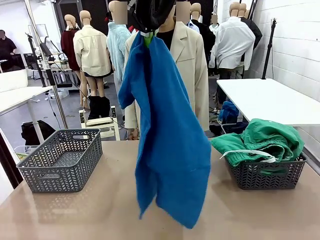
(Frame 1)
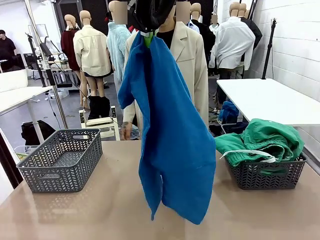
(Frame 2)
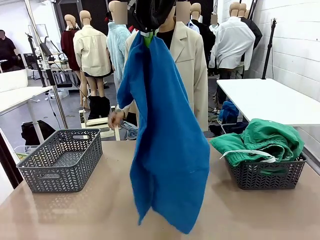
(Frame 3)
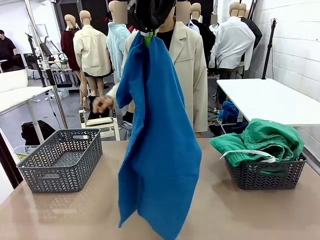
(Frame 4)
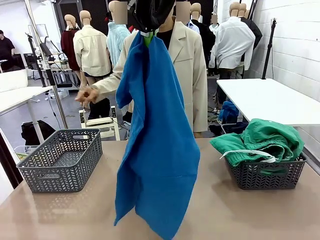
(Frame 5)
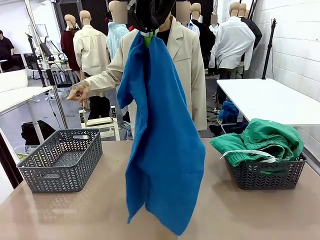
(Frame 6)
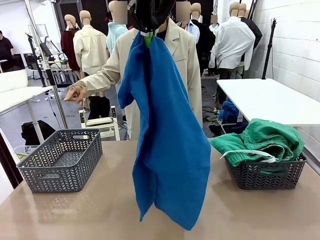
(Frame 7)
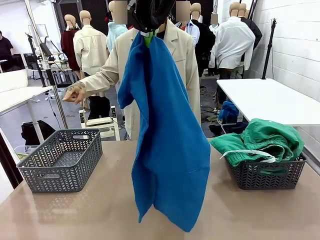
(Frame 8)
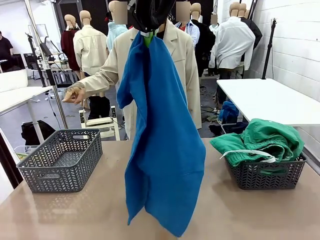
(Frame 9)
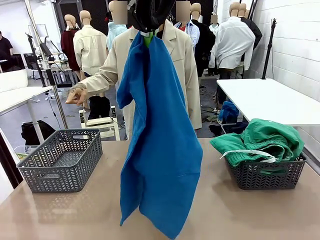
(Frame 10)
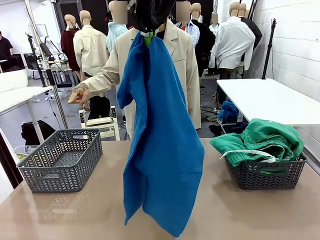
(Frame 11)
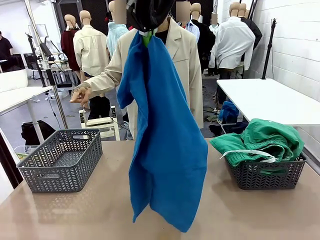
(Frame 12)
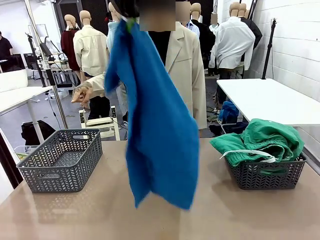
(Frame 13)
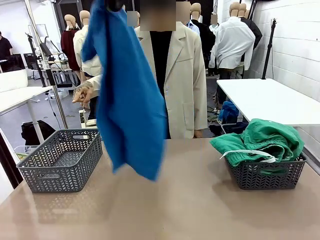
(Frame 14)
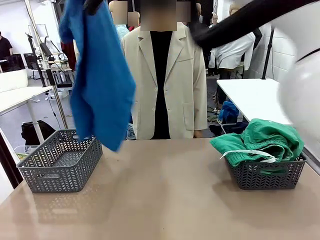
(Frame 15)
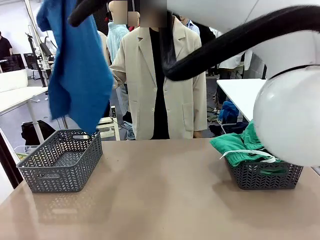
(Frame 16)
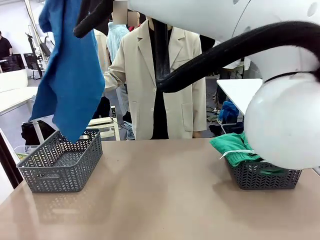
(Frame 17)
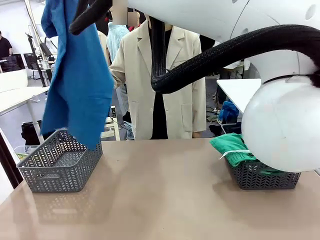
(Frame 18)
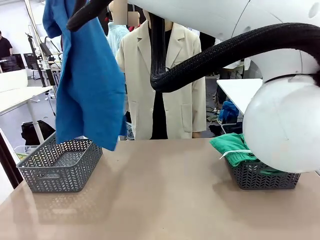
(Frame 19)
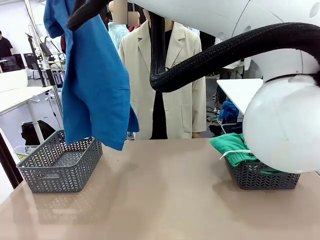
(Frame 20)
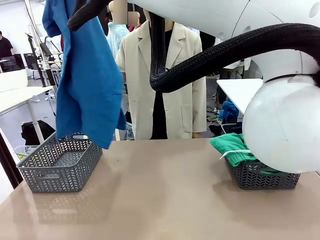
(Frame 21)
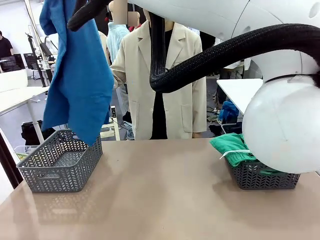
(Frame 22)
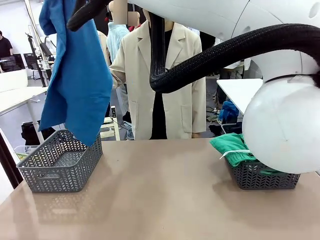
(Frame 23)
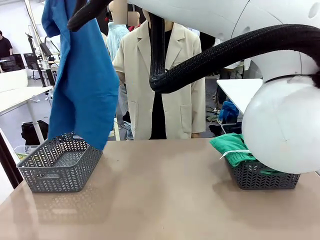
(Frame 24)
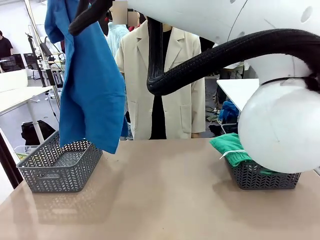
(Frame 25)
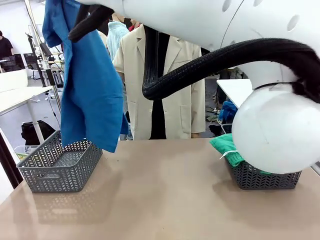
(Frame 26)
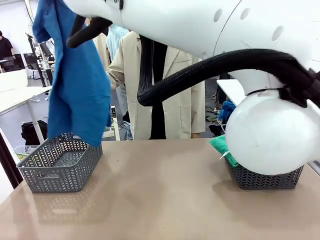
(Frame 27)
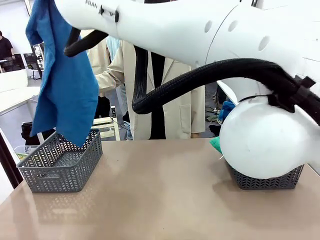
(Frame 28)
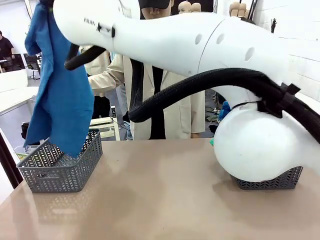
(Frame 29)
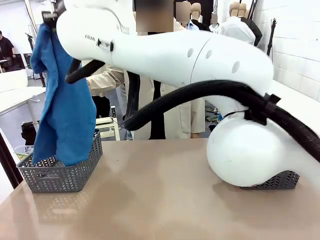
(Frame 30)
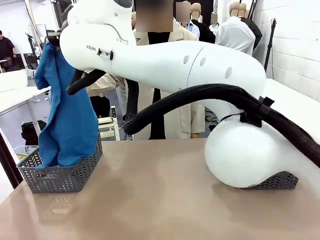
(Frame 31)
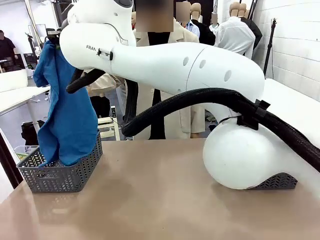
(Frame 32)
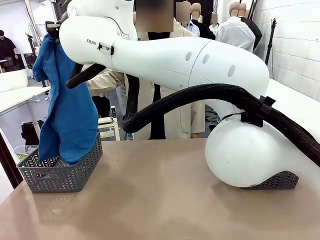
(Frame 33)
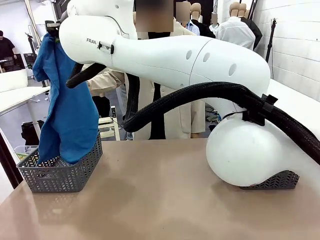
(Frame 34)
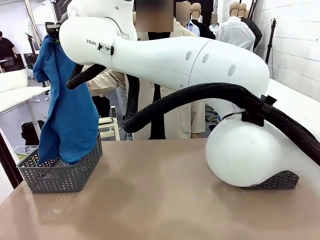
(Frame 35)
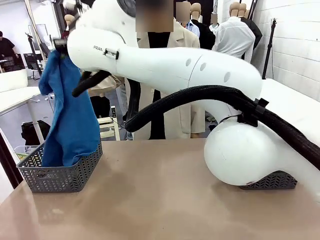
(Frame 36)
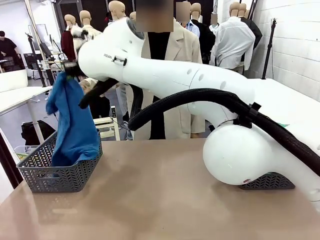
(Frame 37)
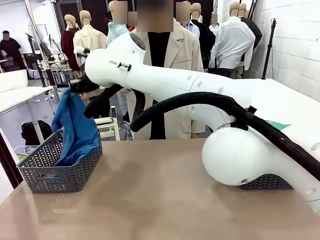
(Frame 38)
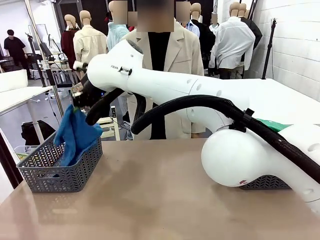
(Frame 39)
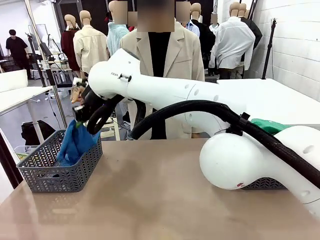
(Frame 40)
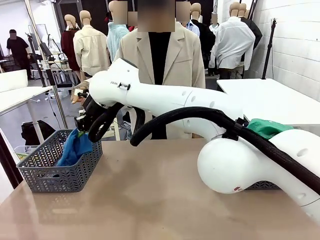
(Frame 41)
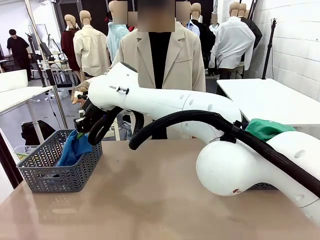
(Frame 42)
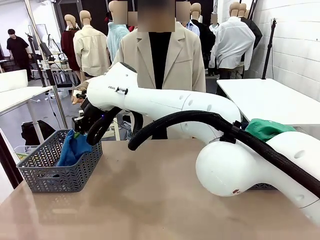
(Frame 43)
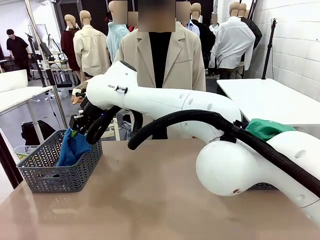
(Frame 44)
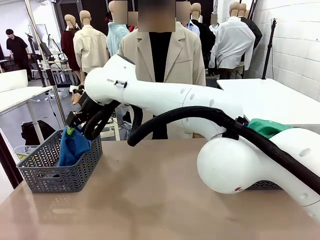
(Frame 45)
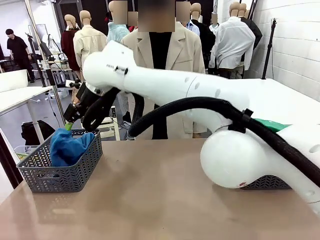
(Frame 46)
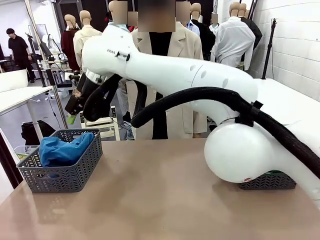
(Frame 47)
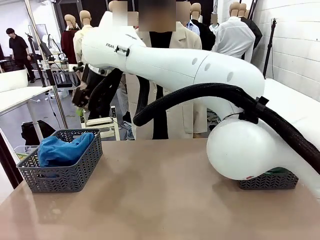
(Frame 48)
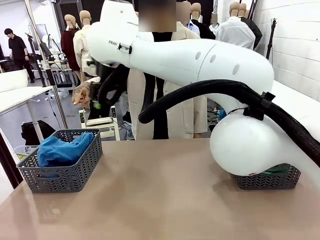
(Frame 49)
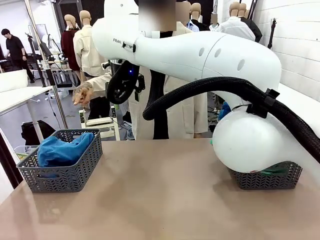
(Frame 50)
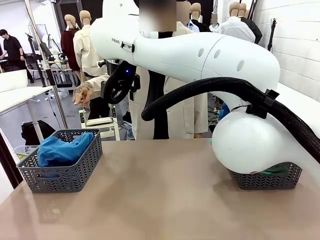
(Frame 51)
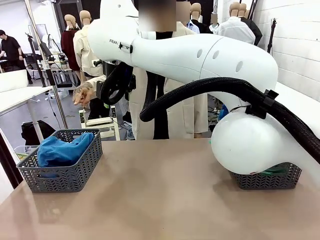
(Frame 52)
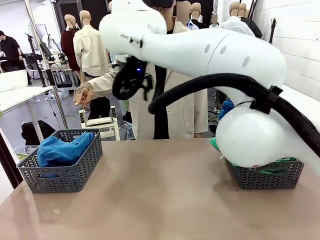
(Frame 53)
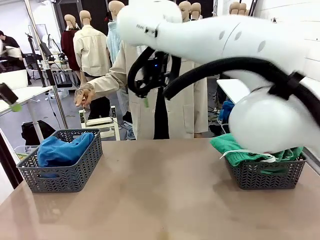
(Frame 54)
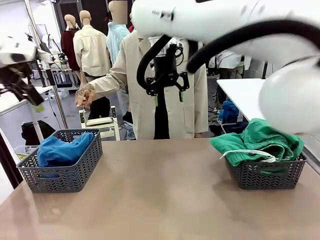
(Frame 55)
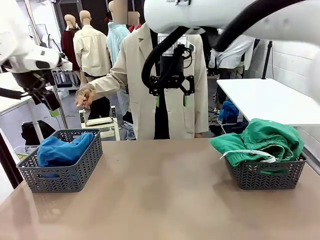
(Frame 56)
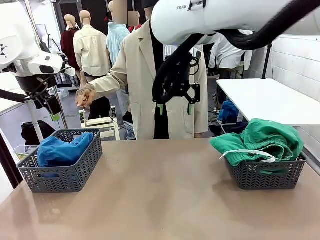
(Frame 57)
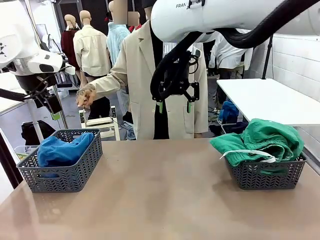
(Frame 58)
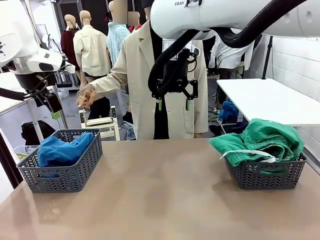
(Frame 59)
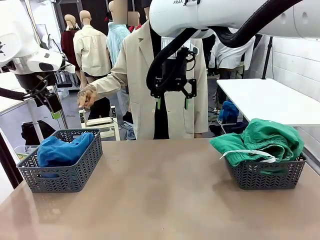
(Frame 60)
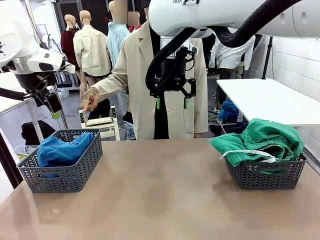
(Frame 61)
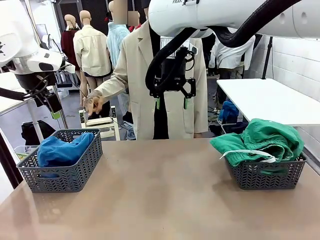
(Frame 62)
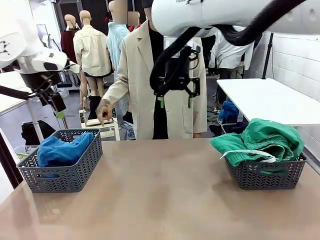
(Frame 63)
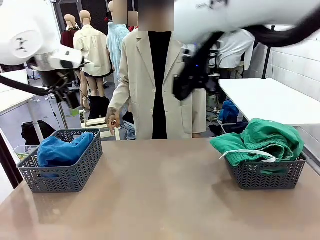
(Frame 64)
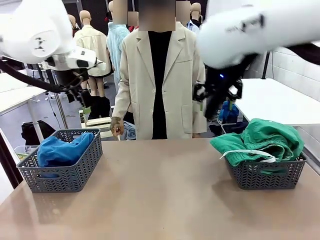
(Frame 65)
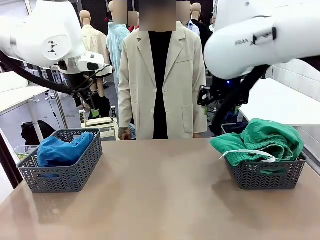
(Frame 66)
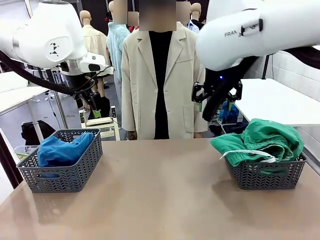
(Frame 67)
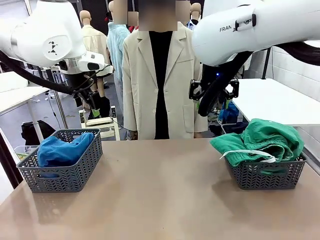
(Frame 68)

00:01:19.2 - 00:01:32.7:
Task: Sort the tops and bottoms.
Robot: Sort the clothes according to human instructions.

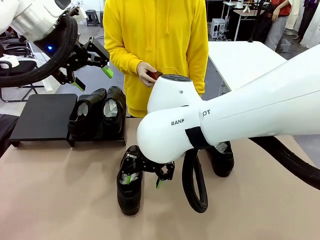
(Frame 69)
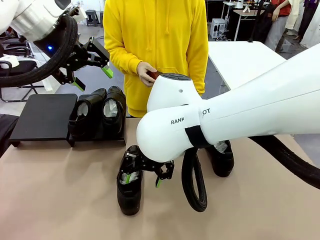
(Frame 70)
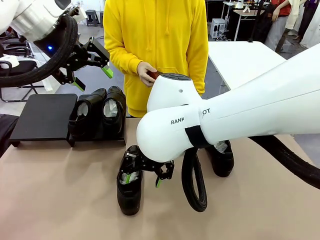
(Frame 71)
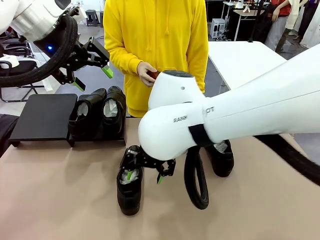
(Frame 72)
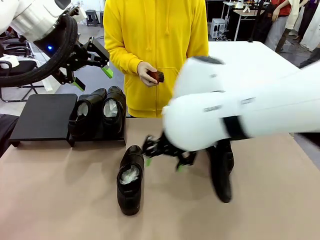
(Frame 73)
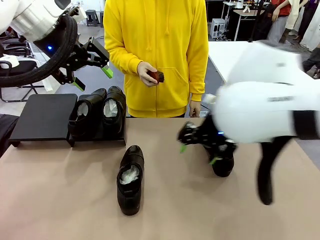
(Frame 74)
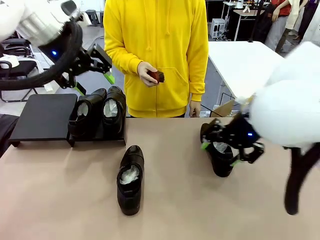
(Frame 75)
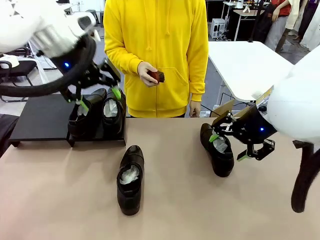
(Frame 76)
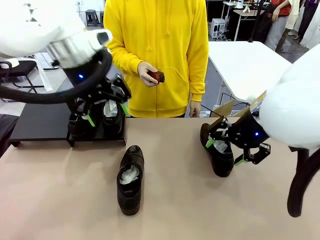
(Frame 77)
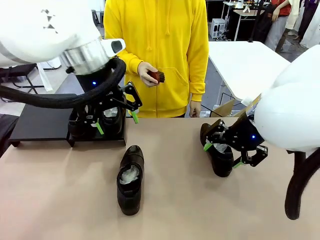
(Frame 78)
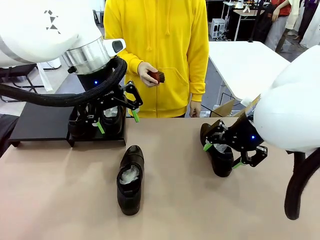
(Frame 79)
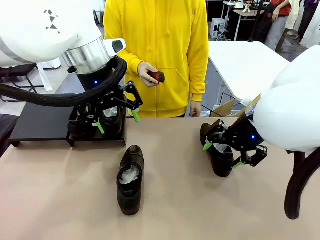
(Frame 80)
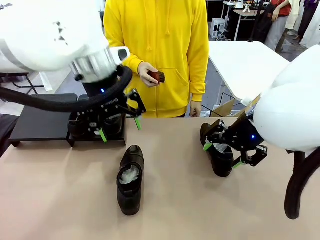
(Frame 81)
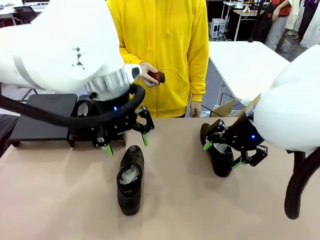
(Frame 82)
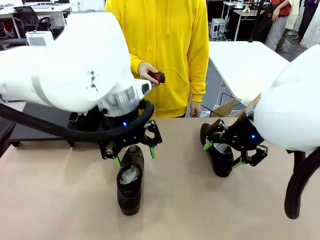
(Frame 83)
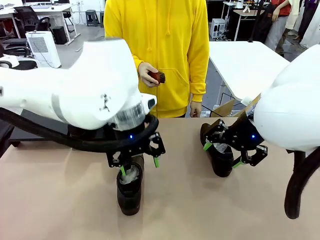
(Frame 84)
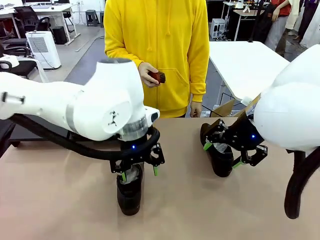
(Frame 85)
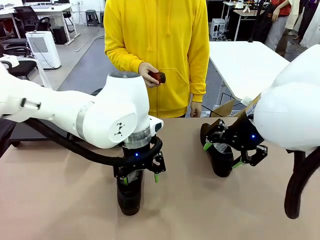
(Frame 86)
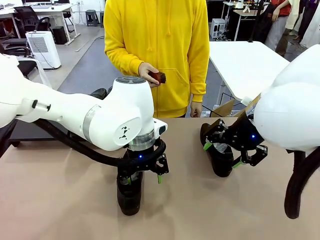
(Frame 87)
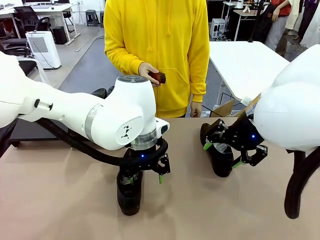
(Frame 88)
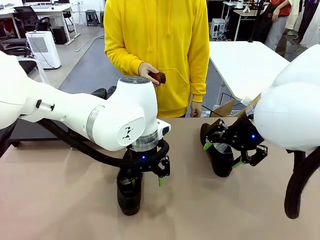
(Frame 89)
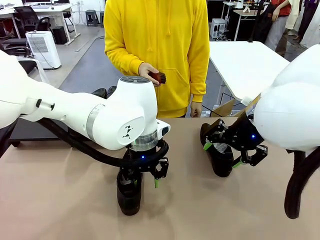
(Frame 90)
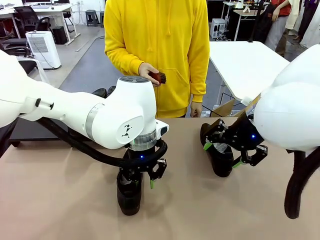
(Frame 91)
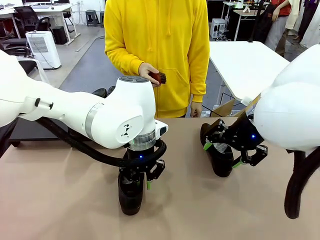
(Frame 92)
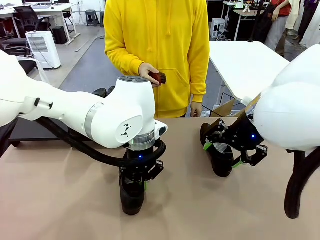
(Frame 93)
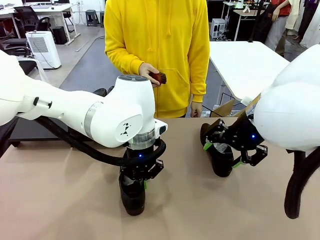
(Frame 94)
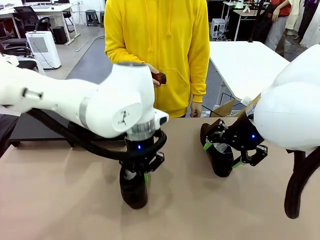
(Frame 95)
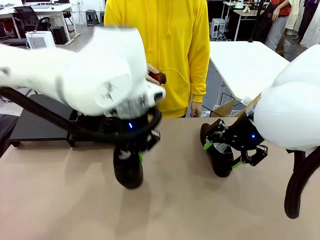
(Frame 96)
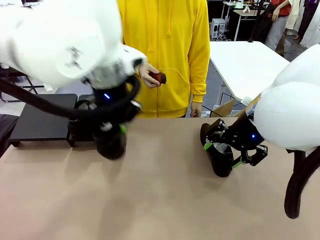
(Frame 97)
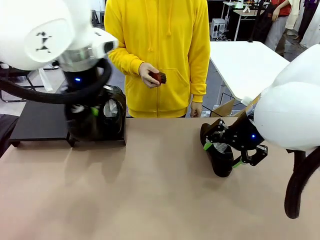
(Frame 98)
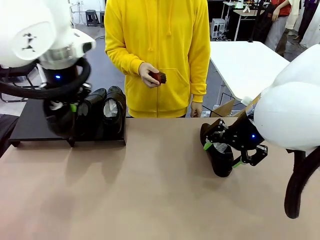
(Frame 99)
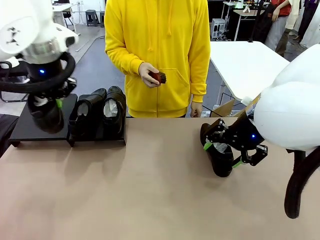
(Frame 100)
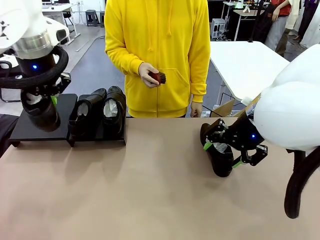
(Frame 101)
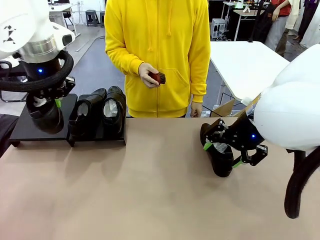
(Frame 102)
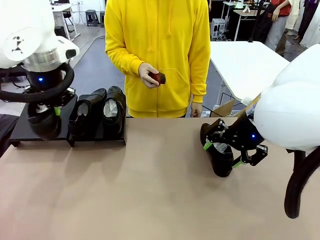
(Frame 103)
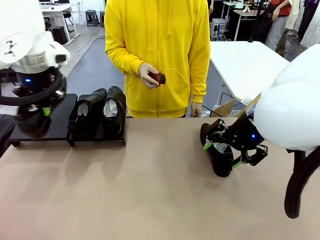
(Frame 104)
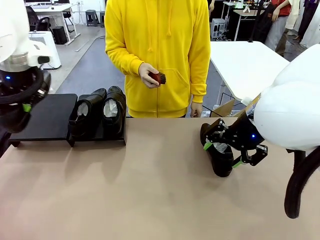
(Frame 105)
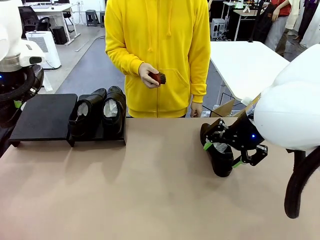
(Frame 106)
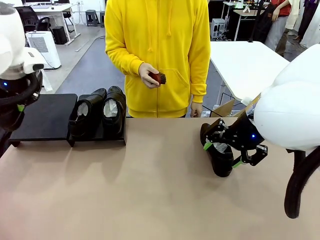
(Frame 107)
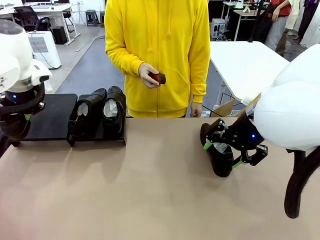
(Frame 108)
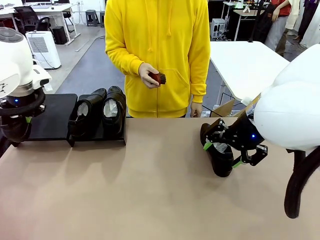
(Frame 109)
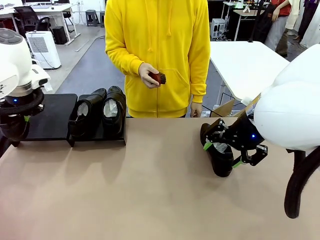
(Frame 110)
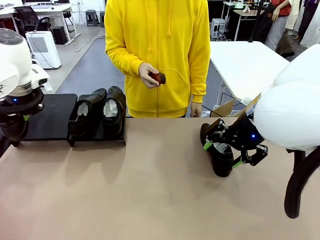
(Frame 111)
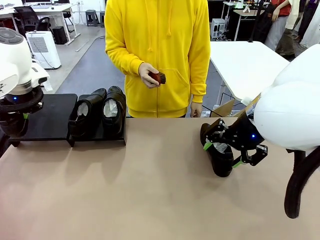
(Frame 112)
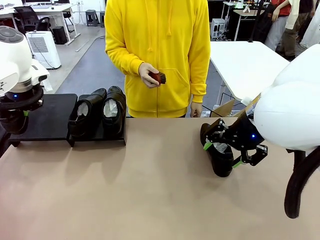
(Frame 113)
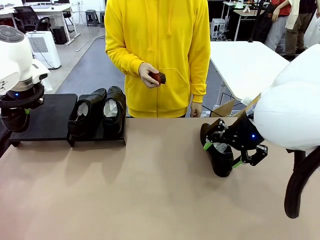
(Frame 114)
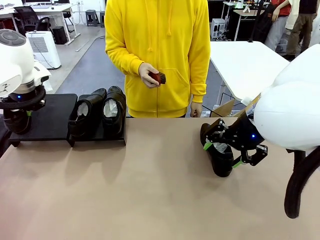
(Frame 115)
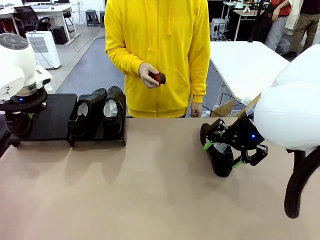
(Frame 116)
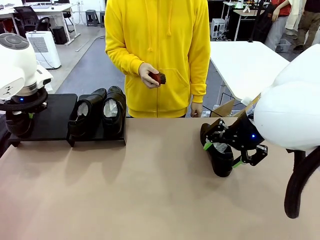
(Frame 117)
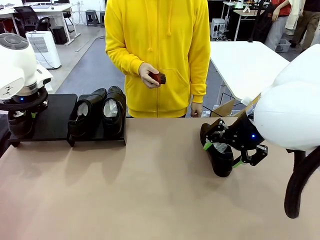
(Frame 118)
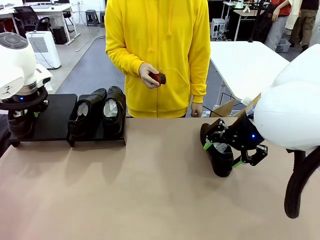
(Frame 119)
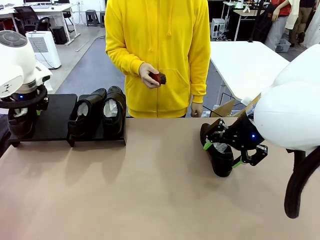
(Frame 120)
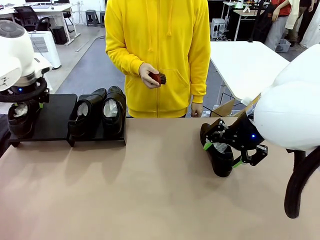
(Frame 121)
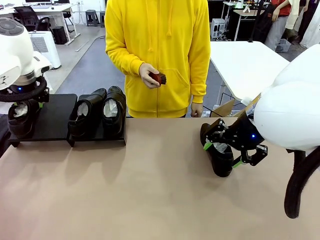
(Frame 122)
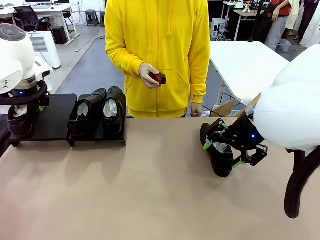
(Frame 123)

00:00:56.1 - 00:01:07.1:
Task: Organize the shoes by placing them on the stand.
Robot: Place the Shoe from the middle of the table onto the Shoes Stand.
